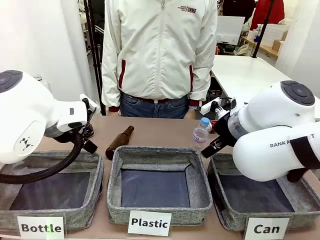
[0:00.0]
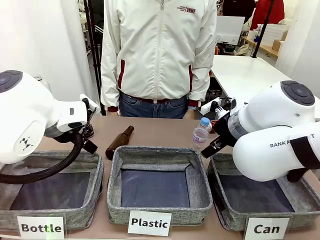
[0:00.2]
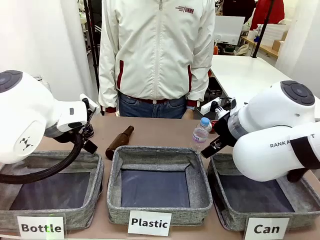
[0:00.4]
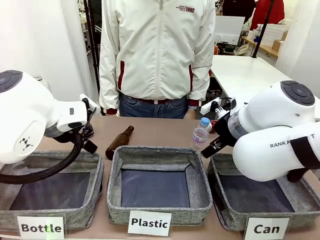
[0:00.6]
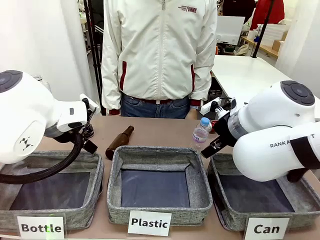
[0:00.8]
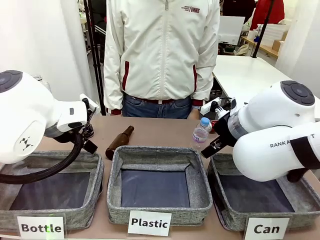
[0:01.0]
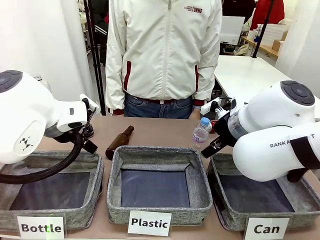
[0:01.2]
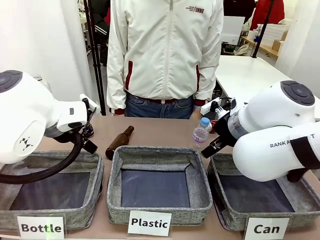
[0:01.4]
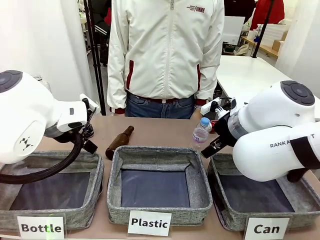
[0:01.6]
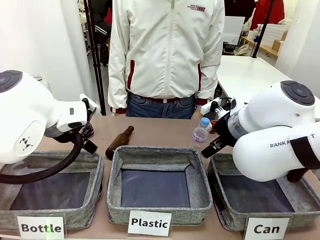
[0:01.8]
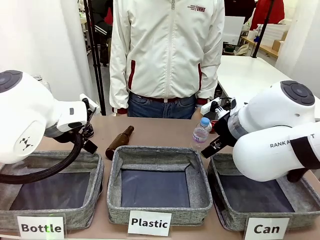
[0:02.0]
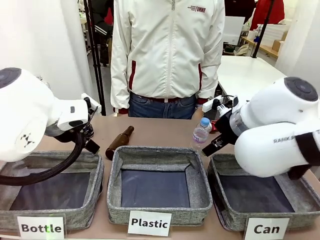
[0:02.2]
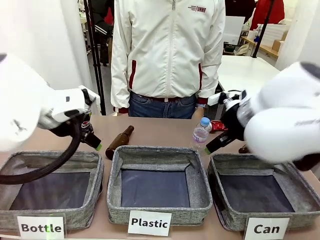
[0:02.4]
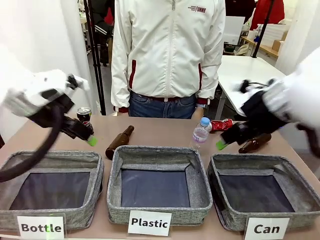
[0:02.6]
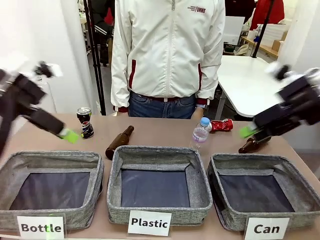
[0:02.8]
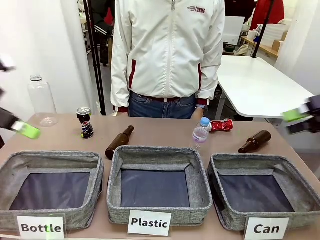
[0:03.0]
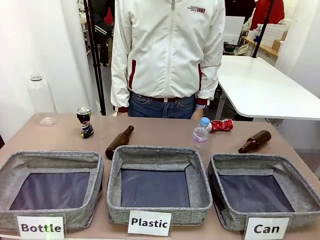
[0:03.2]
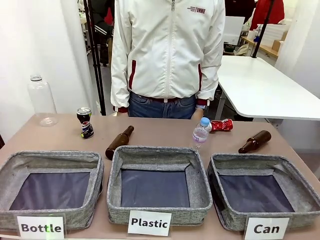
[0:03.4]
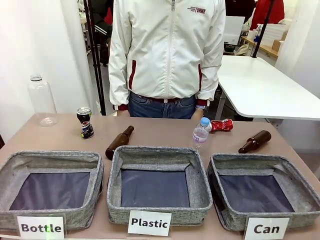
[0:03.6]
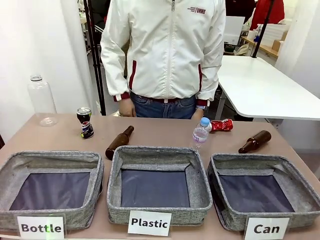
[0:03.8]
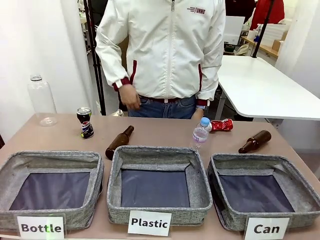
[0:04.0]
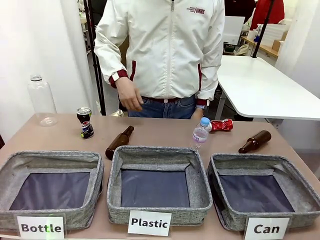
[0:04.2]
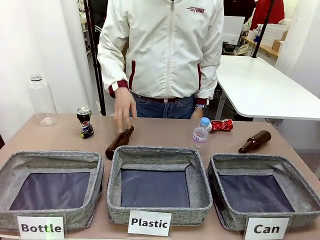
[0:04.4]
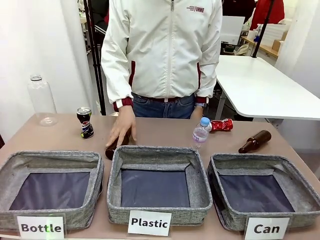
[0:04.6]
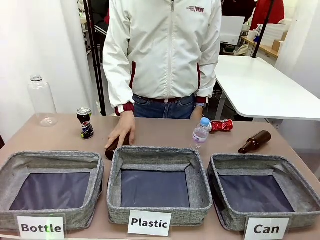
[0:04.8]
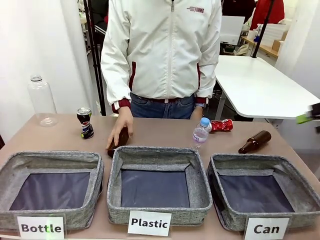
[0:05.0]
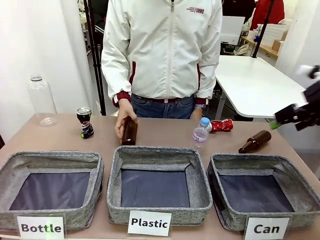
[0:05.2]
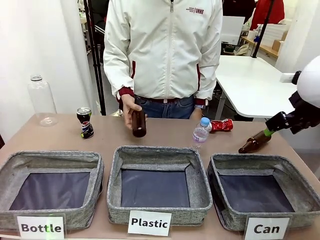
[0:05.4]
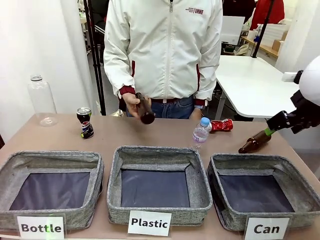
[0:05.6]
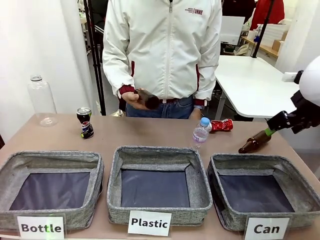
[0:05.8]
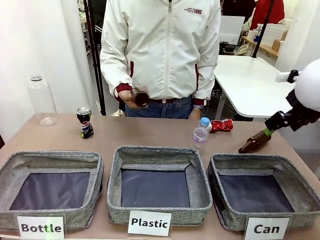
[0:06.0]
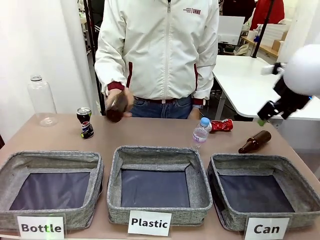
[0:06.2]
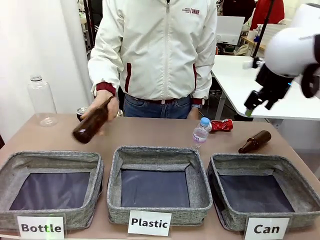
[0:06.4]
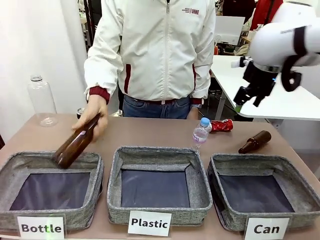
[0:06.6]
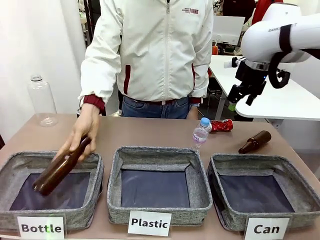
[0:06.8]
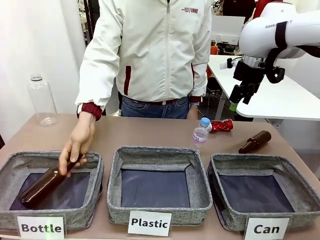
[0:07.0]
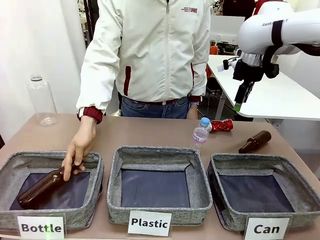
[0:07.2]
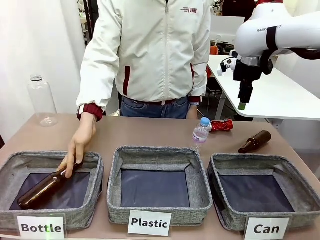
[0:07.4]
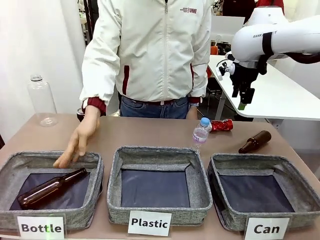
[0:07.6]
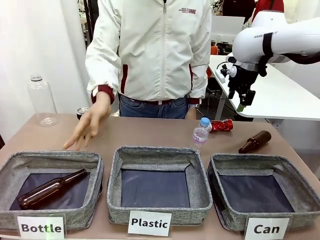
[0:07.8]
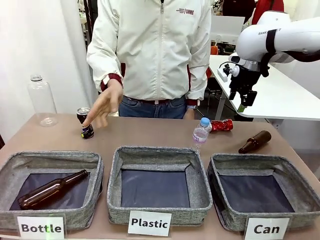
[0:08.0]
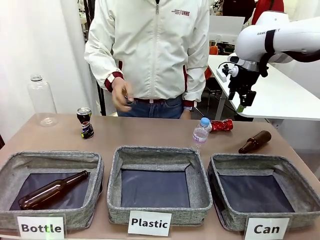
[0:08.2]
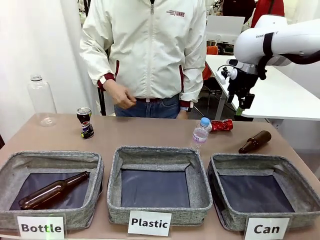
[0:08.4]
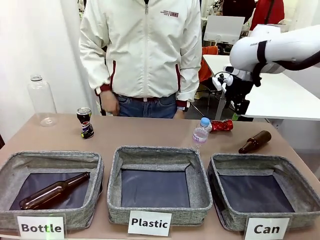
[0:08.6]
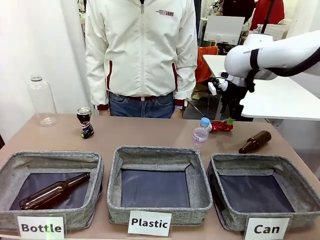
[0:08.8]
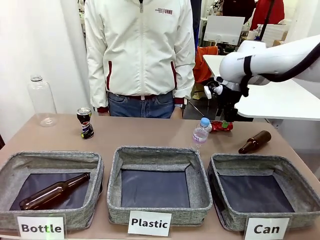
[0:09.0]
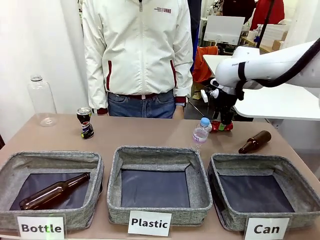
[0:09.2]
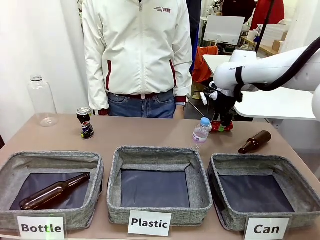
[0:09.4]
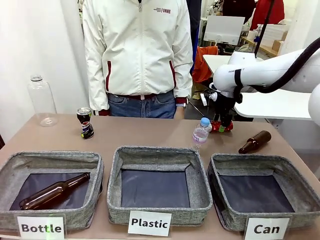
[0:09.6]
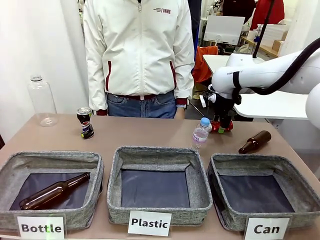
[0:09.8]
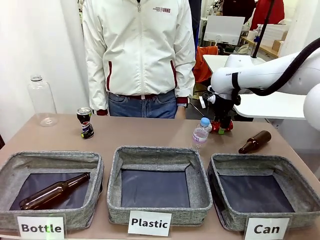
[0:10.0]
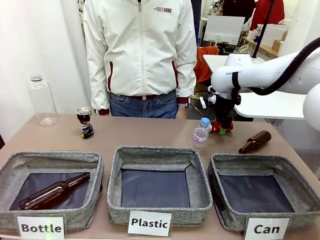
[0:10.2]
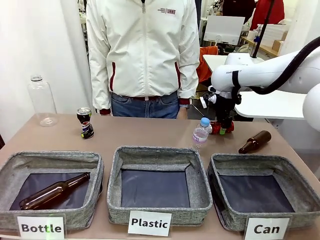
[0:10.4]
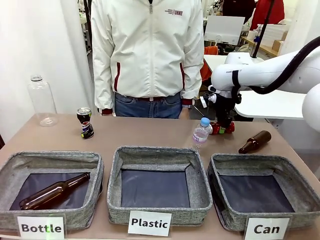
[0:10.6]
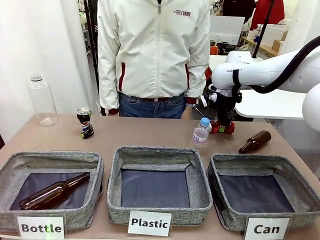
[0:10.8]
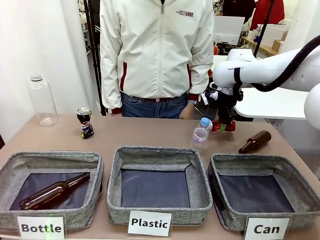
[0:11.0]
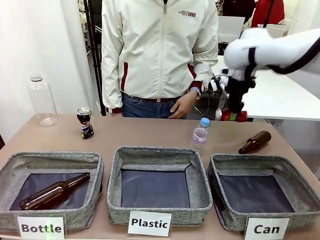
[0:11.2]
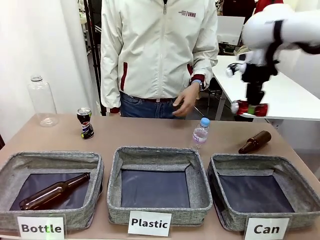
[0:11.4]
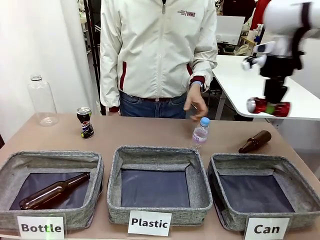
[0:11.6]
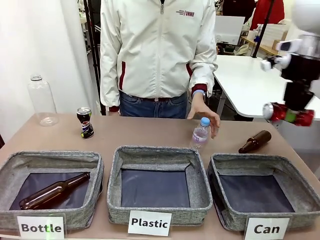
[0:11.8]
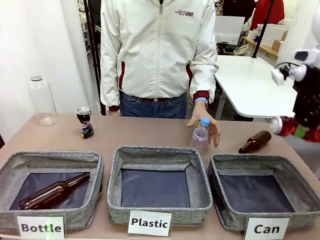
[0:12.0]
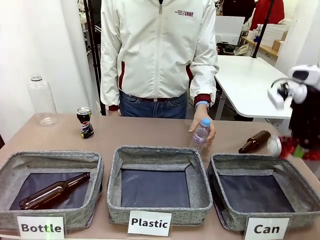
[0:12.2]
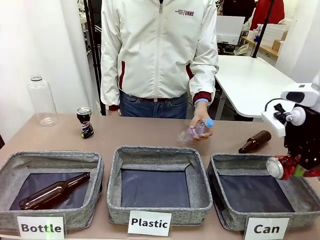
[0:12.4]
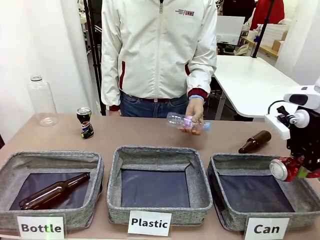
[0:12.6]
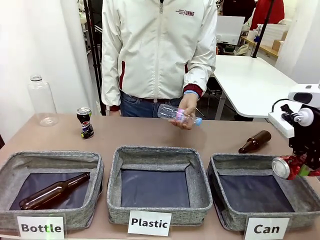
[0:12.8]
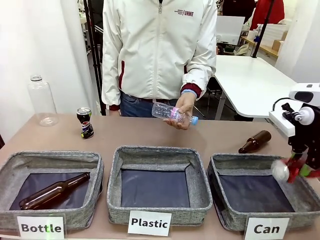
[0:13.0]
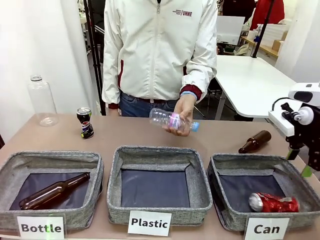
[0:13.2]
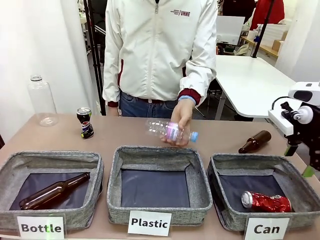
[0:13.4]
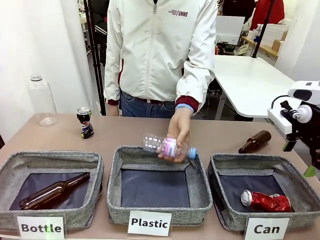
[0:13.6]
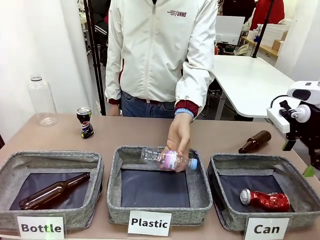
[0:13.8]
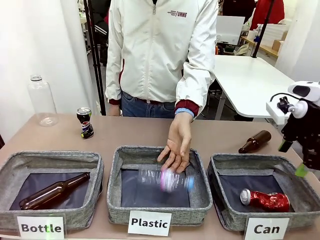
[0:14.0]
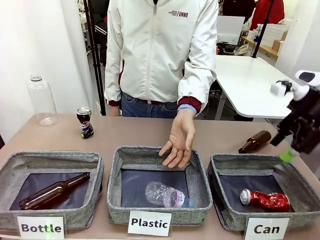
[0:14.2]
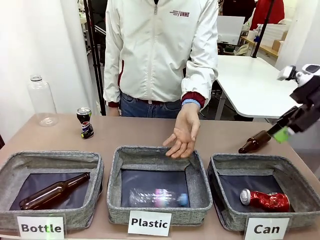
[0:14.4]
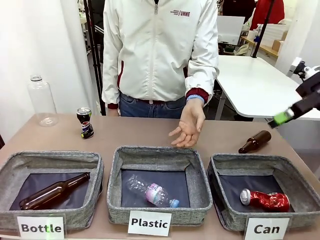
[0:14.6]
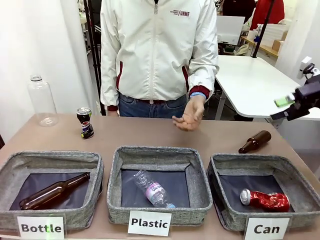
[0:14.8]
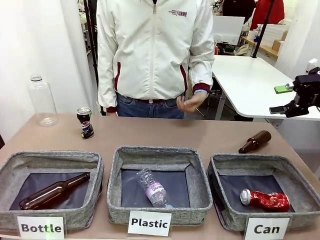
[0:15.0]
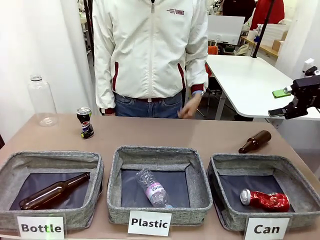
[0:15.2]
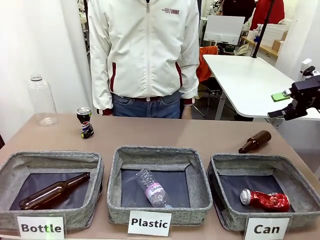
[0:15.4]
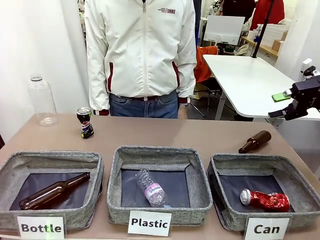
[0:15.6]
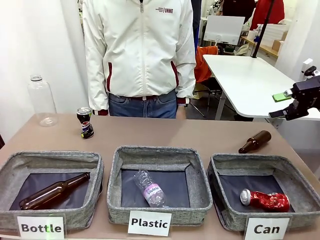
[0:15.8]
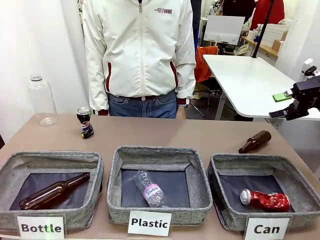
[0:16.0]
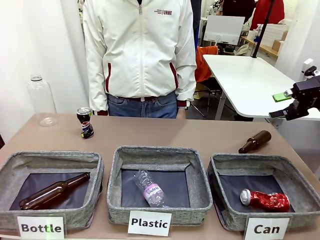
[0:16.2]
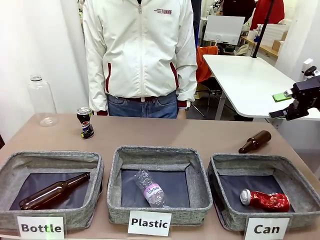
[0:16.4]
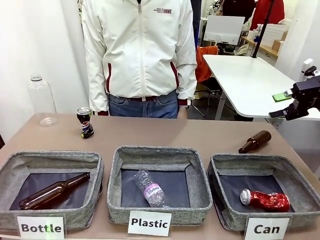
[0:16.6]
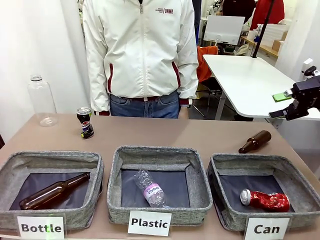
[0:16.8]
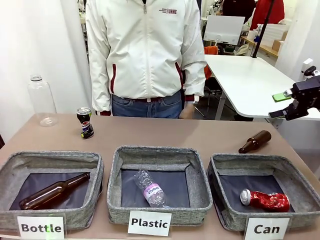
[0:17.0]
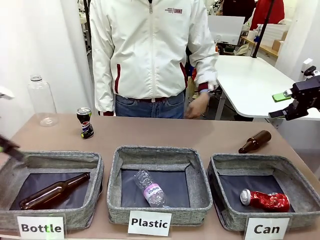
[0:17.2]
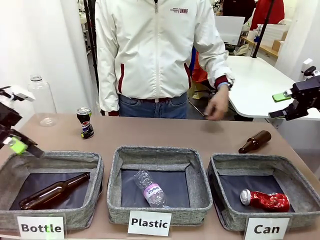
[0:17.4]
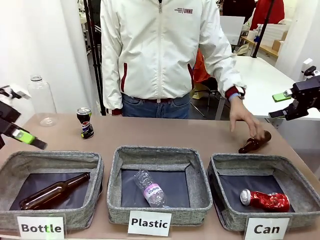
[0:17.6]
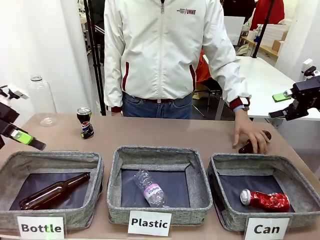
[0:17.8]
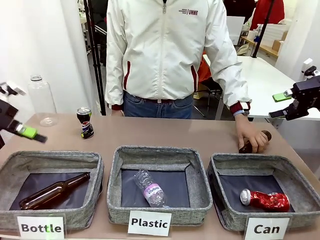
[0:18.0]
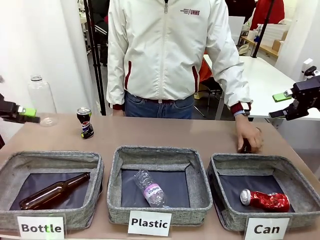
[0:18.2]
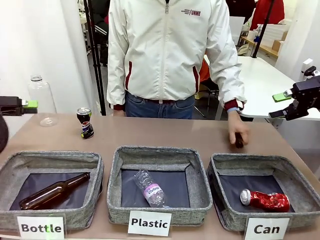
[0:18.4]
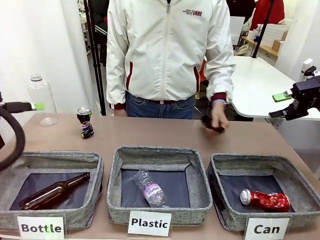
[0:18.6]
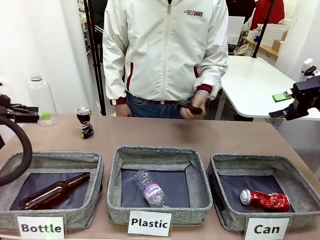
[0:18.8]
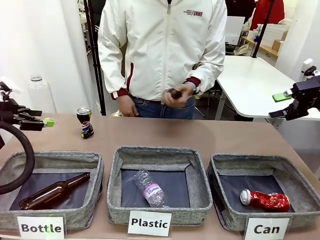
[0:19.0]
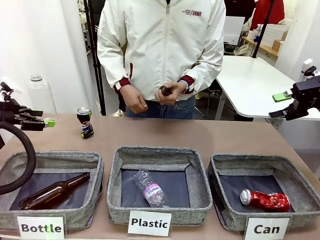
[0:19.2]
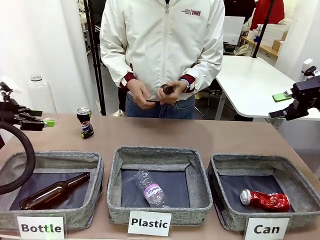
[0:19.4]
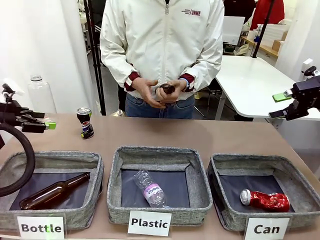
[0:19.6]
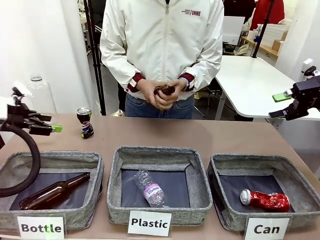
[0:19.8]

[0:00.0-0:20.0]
Task: Sort the can waste into the basket.
Robot: Pick up the can waste from the table and place it in the right Fabric basket.
